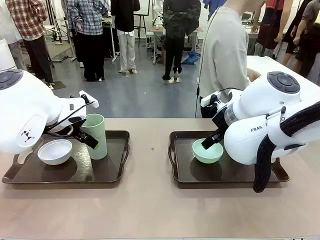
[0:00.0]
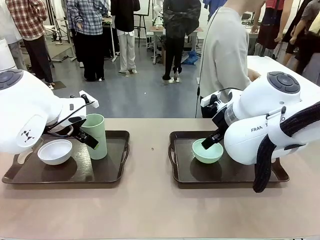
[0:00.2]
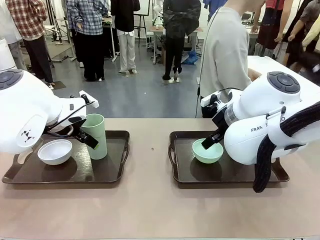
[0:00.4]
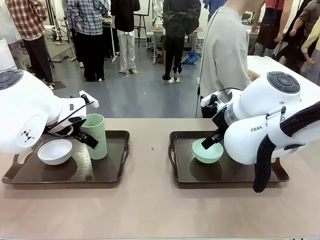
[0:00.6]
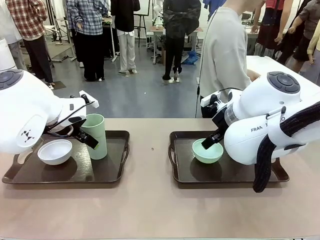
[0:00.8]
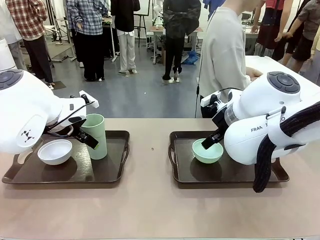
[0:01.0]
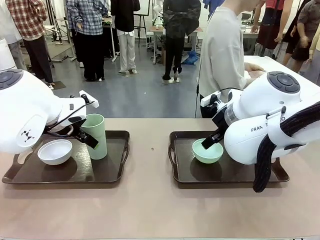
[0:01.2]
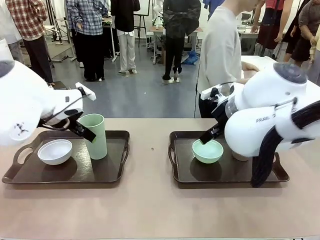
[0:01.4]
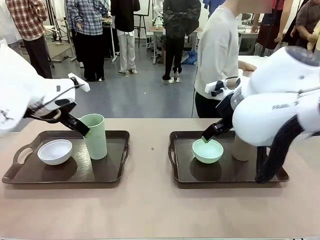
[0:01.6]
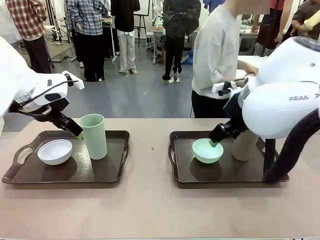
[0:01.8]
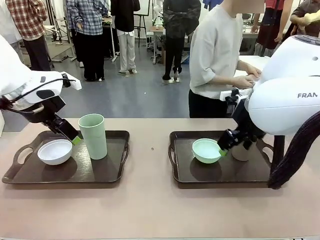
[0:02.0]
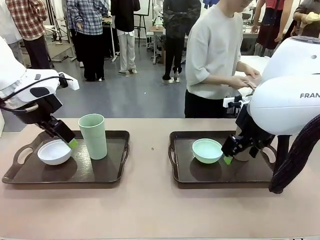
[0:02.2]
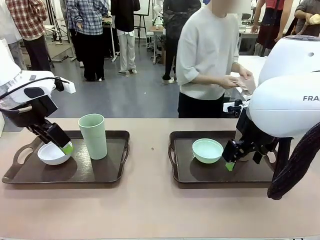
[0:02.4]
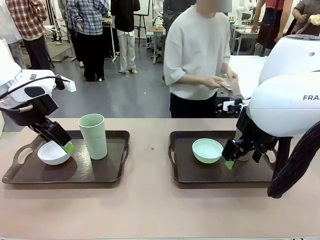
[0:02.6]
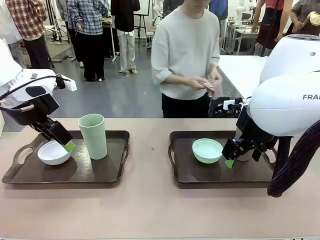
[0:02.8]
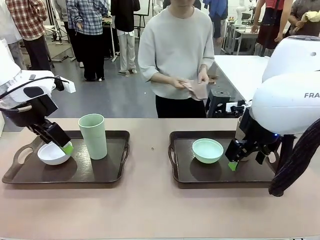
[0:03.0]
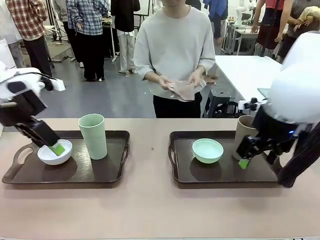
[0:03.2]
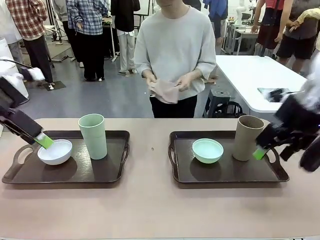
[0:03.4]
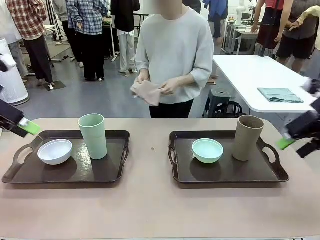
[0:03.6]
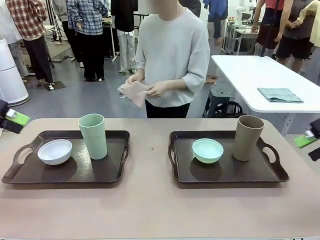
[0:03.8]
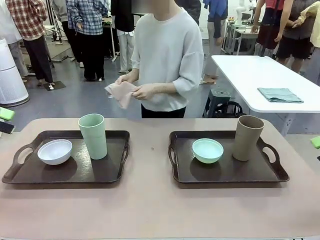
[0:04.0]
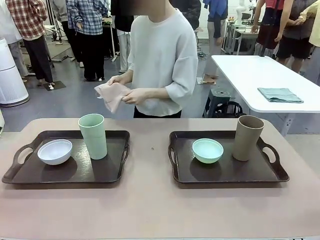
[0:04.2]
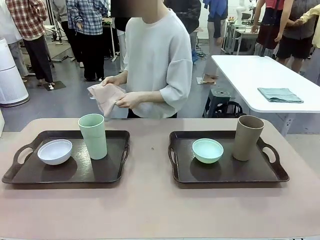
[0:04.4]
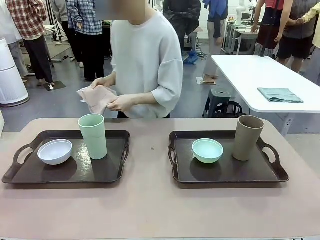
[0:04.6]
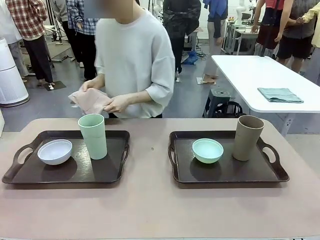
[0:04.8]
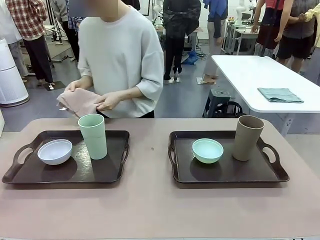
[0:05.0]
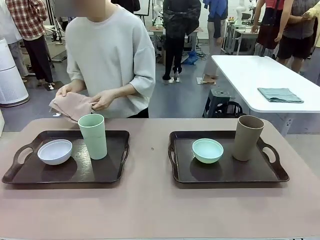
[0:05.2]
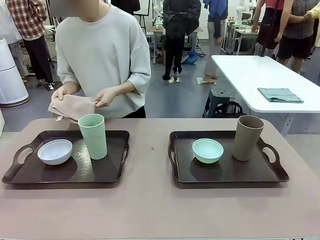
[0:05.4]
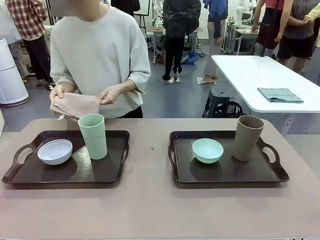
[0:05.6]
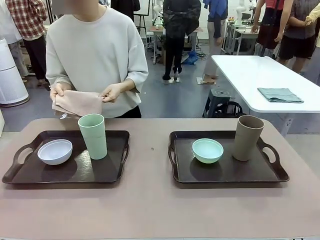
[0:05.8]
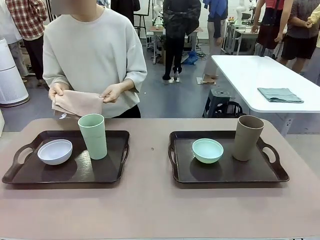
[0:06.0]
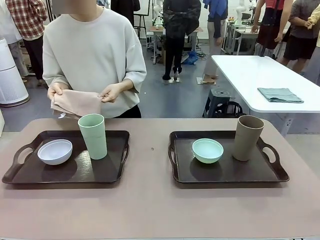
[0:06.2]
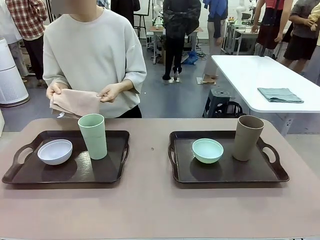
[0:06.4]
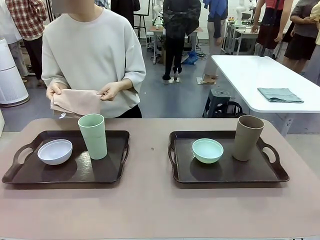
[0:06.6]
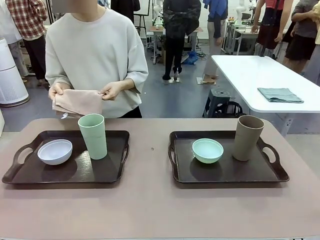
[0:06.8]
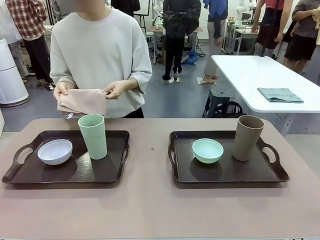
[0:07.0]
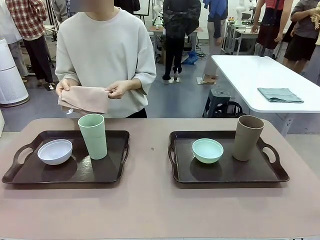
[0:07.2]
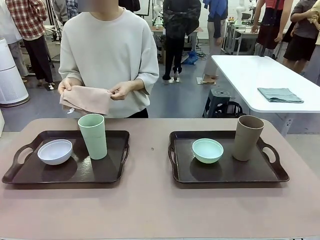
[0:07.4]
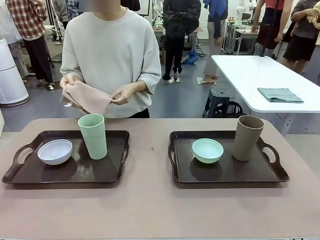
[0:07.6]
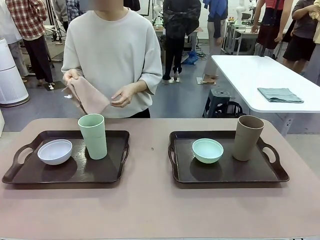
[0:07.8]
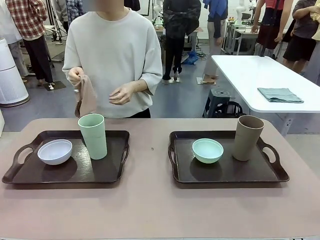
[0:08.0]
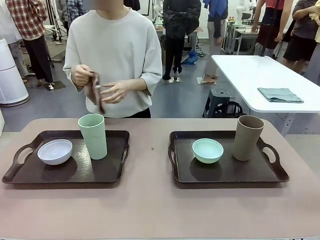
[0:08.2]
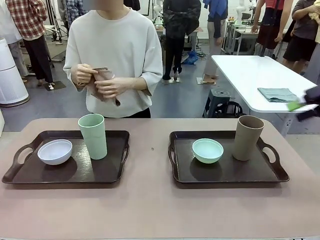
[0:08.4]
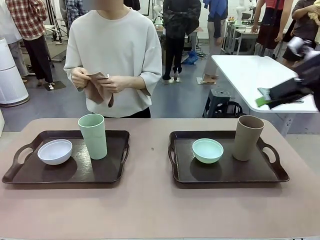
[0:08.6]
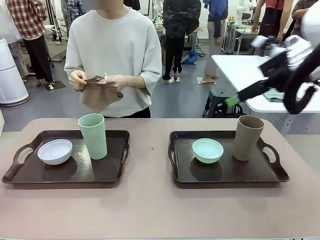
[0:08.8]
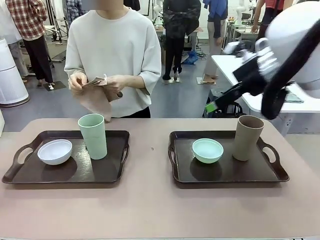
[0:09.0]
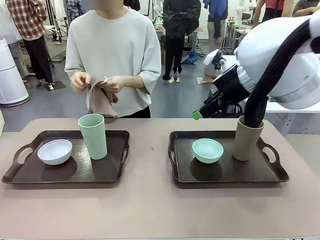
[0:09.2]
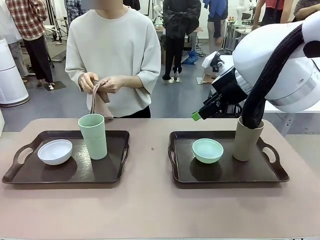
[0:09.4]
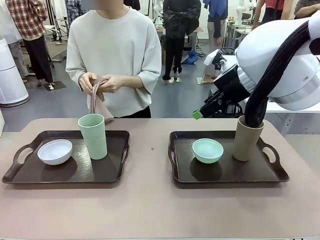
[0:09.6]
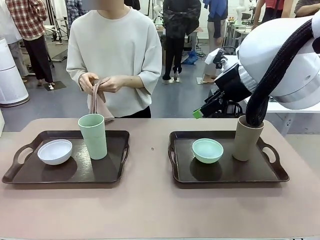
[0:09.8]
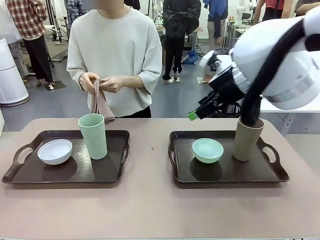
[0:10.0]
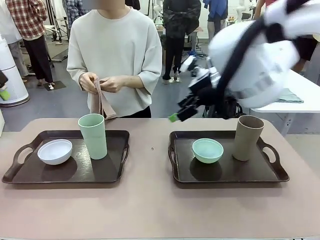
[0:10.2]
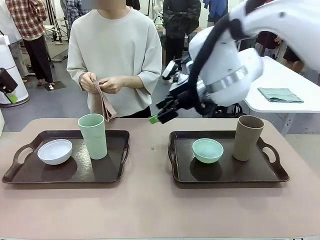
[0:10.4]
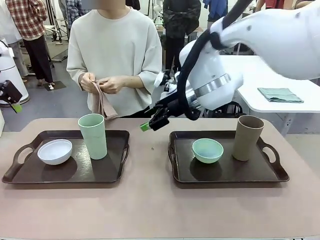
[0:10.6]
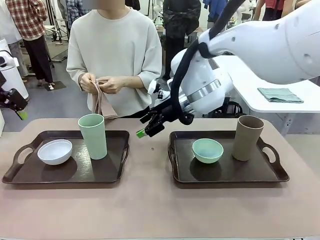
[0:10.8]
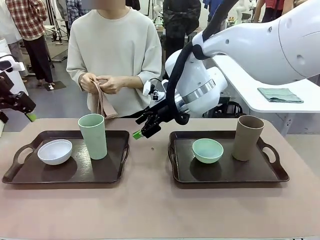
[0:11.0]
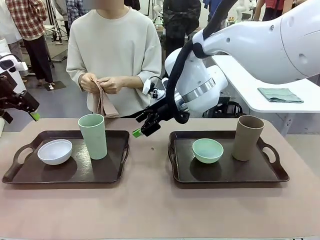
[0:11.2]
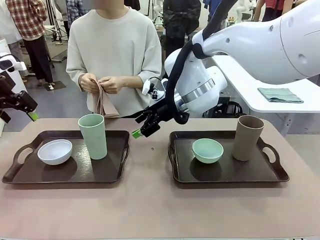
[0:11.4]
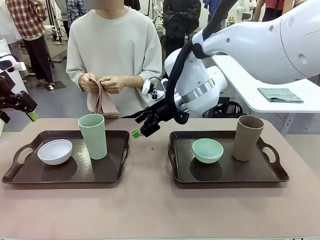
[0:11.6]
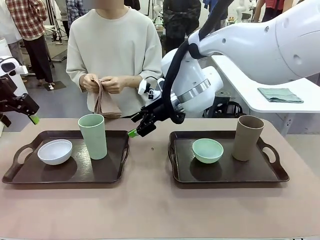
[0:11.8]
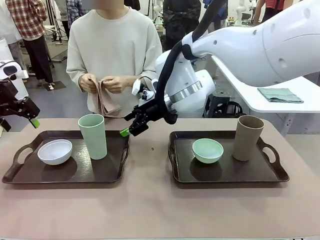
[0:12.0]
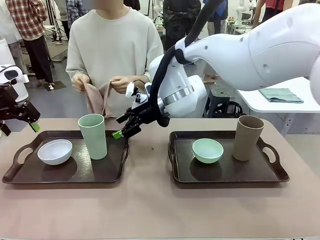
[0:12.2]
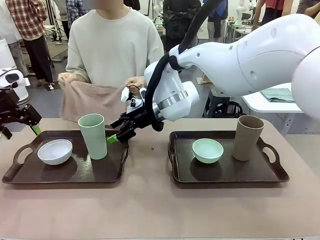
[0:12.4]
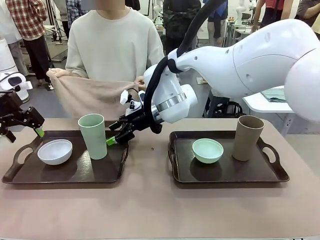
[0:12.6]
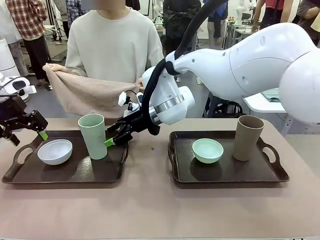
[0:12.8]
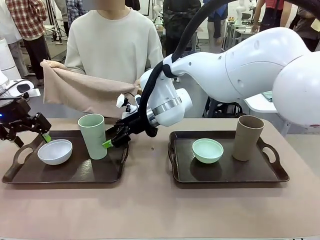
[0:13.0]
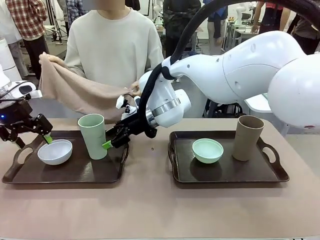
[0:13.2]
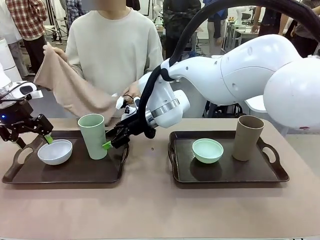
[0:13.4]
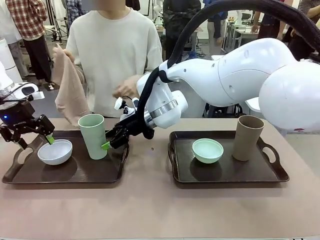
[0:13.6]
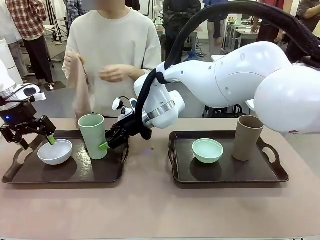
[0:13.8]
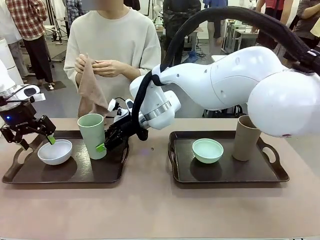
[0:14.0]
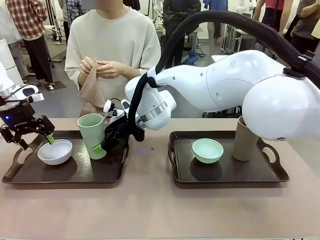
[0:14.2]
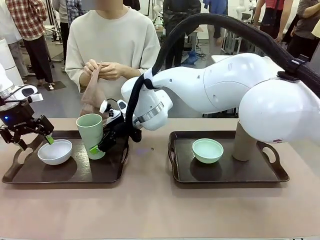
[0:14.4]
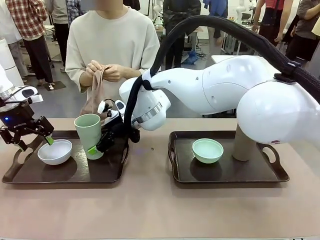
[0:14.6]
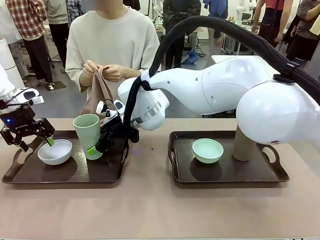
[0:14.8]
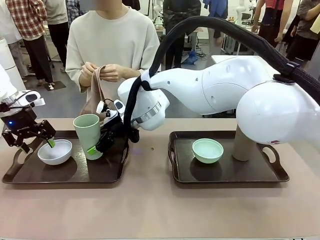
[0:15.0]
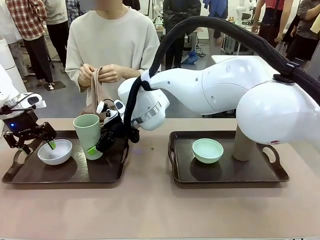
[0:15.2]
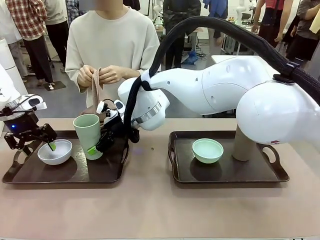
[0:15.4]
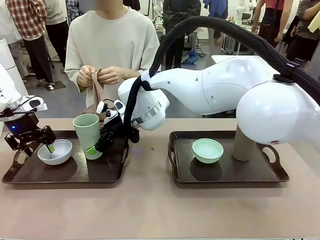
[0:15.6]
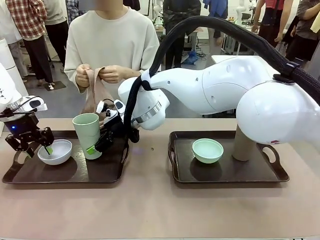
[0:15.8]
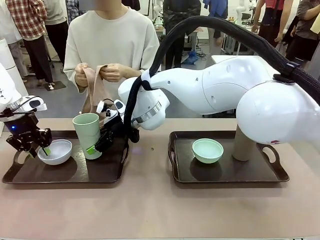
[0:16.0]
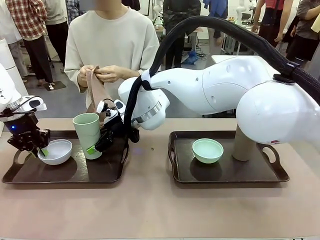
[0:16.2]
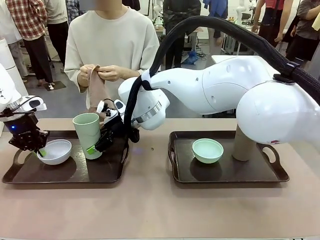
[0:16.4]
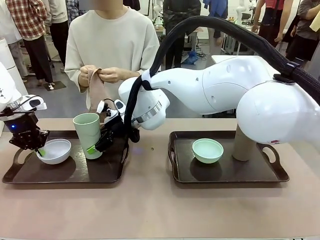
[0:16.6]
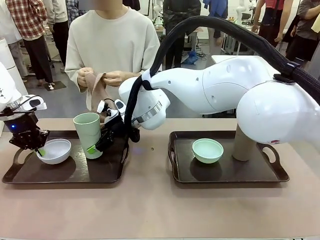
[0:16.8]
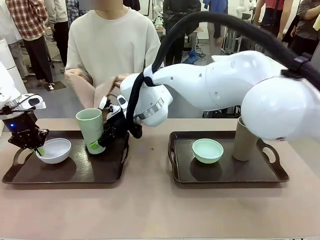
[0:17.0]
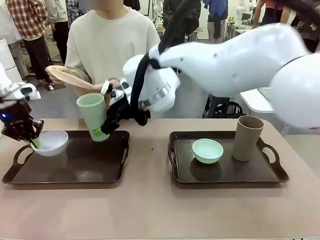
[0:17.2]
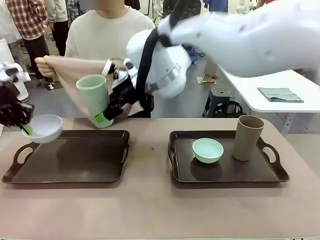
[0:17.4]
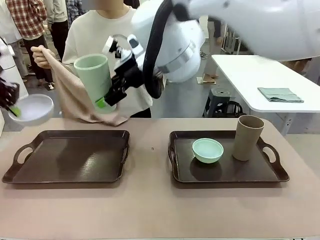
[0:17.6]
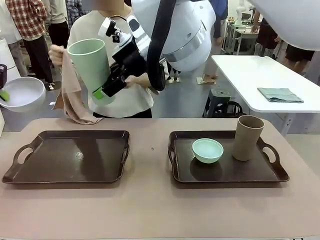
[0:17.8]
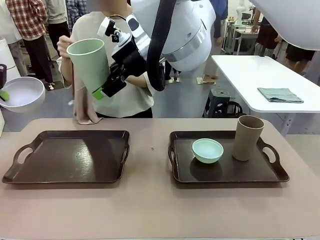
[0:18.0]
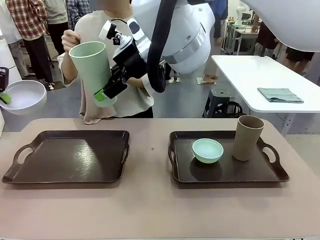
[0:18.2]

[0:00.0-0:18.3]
Robot: Pick up the Picnic Bowl and Reusable plastic cup from the Handle tray in front of the human's position and hold them in the air.
Person: The human picks up the top napkin from the stack on the human table and walks to the robot table to stand in front of one of the two trays. When the robot lifts the bowl and the cup, the human unfolds the napkin and lays the napkin flat on the tray.
